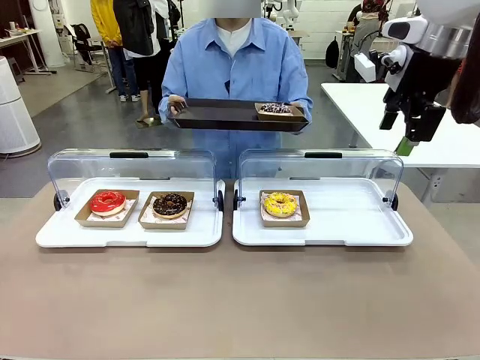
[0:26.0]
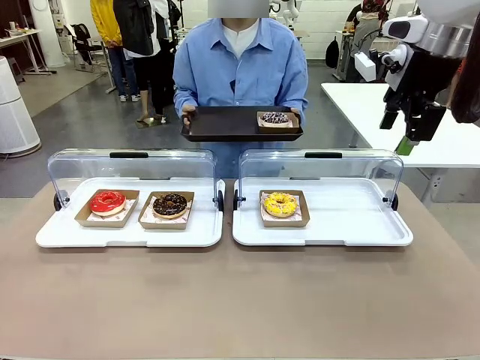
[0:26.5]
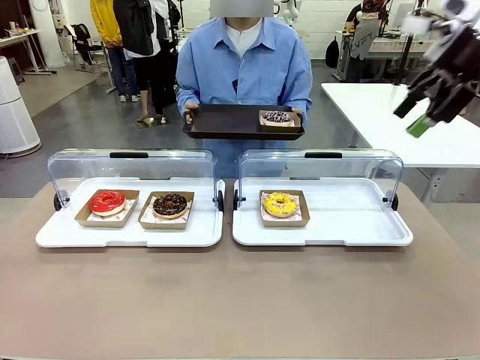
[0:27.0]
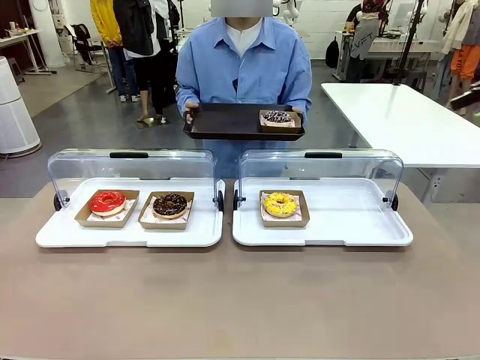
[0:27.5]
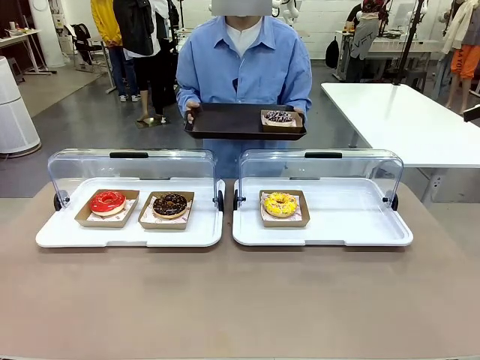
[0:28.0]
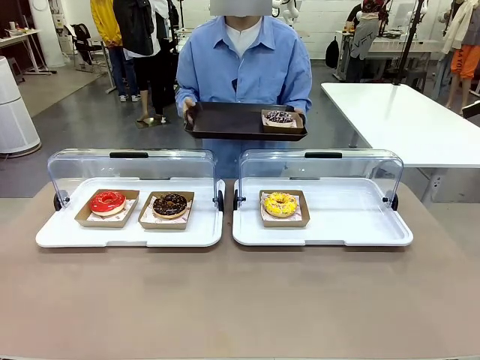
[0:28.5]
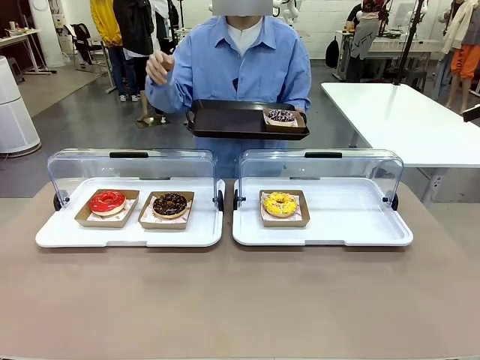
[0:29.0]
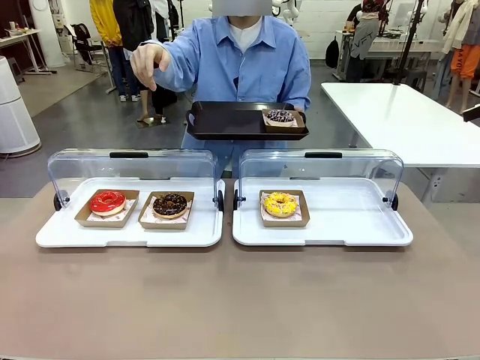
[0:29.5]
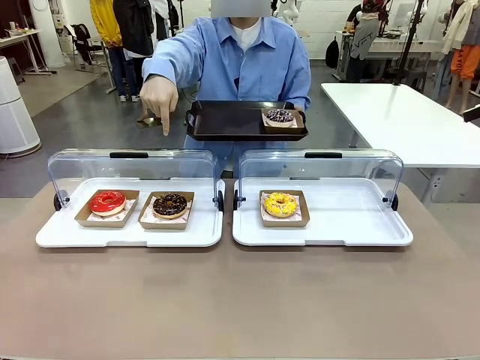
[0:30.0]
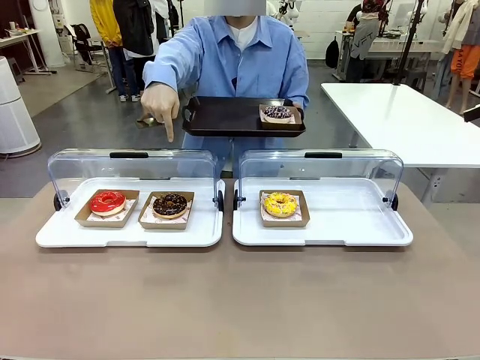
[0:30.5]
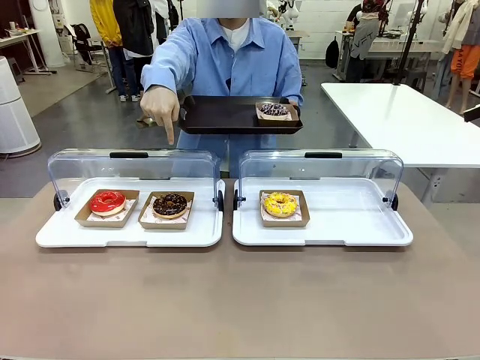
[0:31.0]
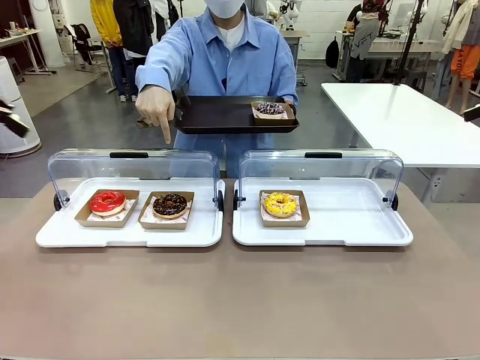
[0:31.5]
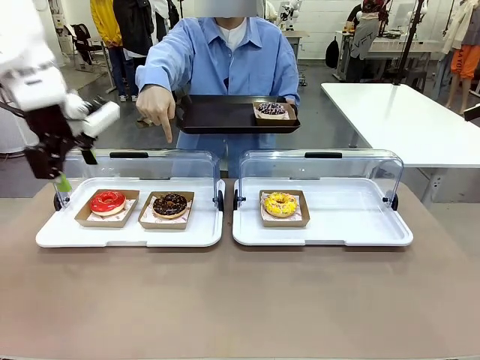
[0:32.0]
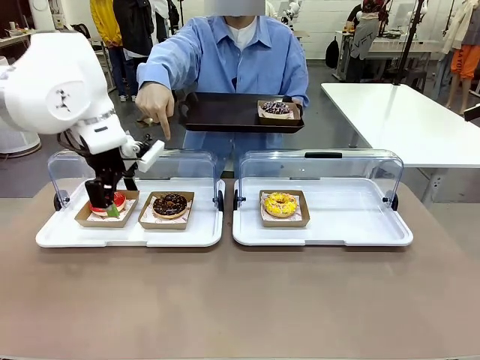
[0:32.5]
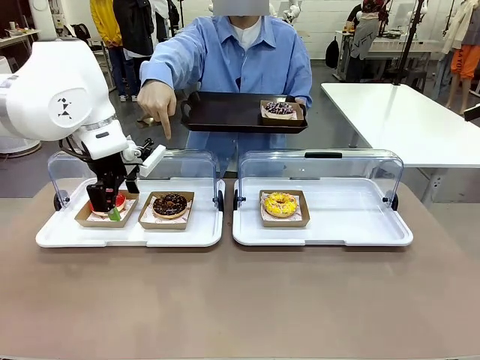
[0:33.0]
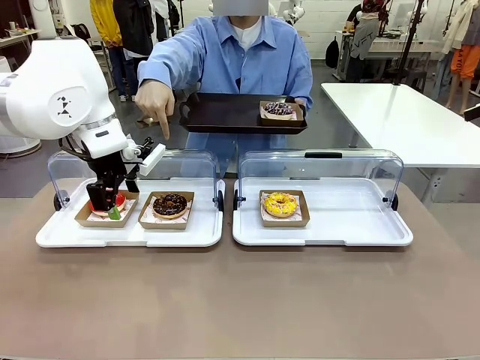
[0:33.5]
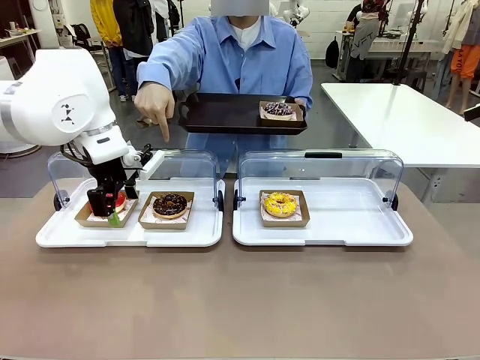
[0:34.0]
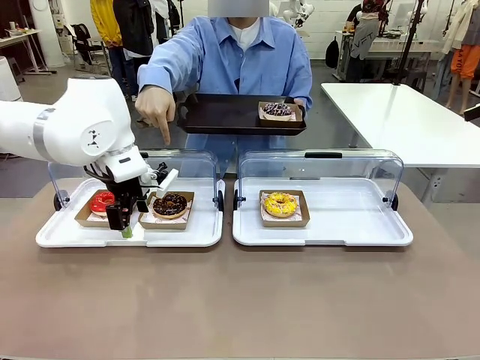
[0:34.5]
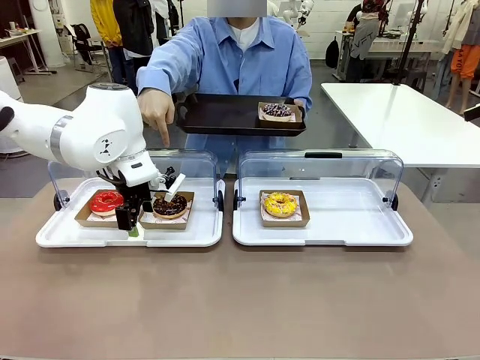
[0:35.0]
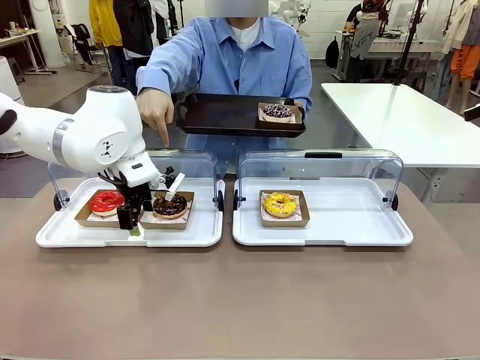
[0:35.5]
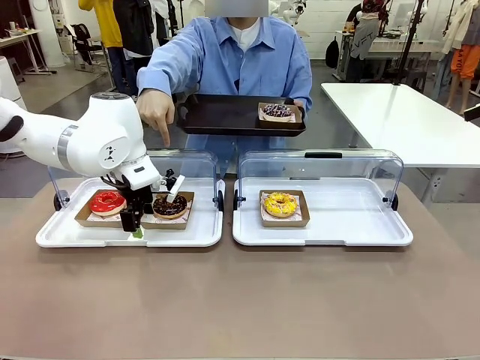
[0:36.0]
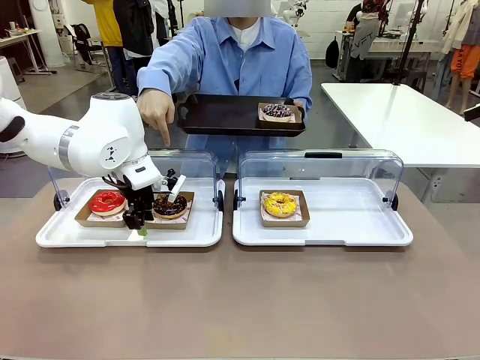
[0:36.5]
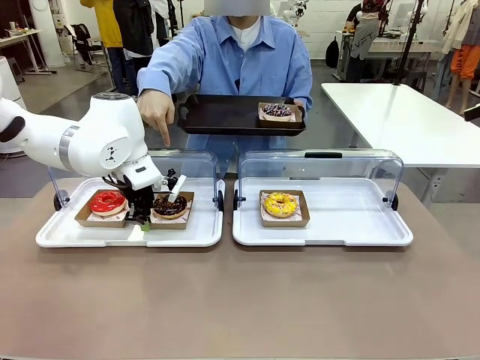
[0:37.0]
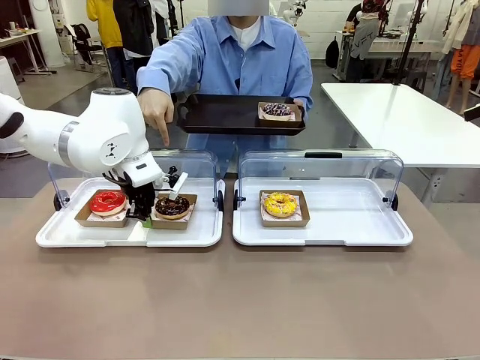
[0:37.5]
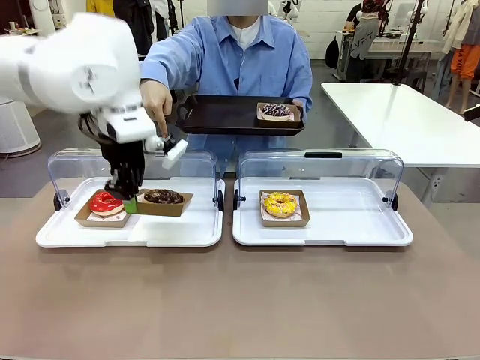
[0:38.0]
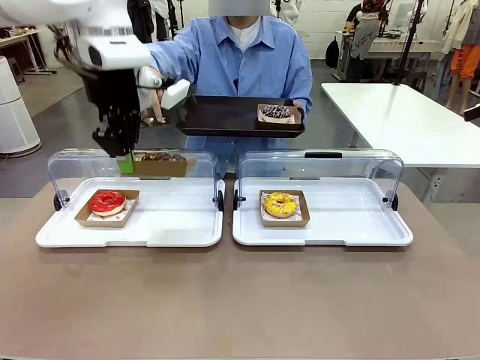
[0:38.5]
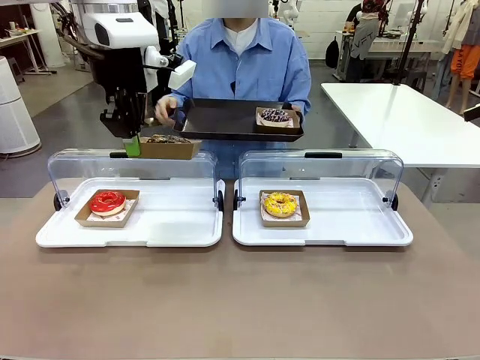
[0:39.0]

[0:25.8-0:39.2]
Task: Provide the desired donut to the person.
Robot: Pick up and lift the Paper togo box containing the Donut pointed at by the person.
Person: Point to one donut. Lift the tray onto the Roll-Top Bakery Case.

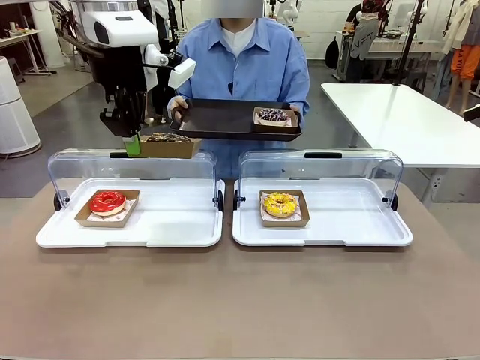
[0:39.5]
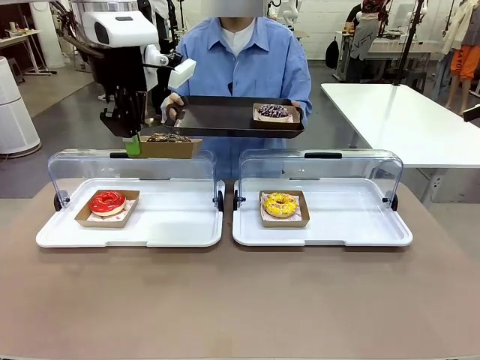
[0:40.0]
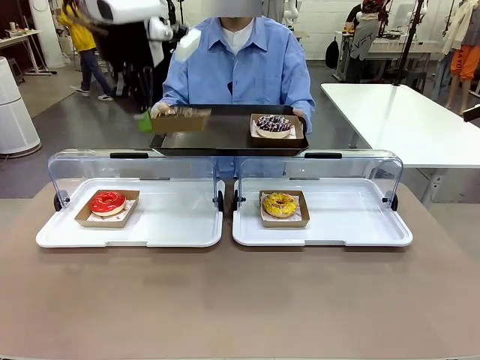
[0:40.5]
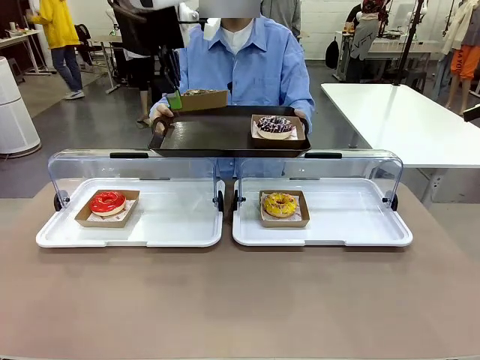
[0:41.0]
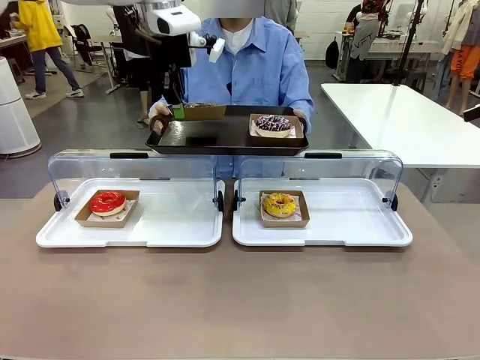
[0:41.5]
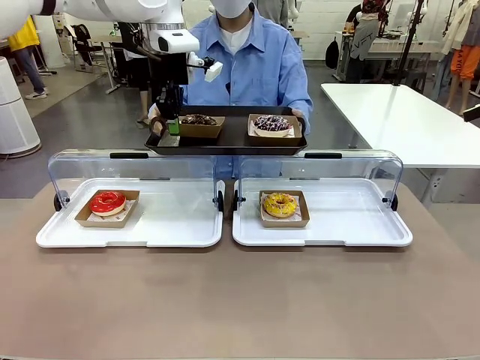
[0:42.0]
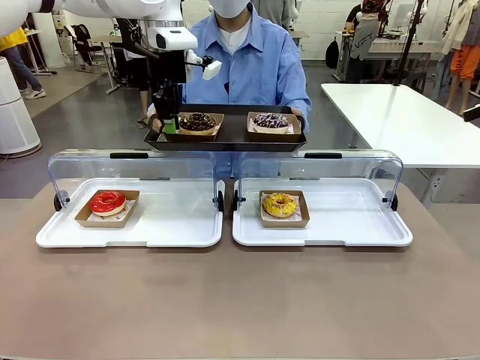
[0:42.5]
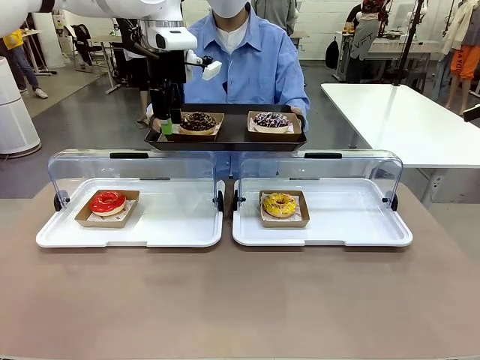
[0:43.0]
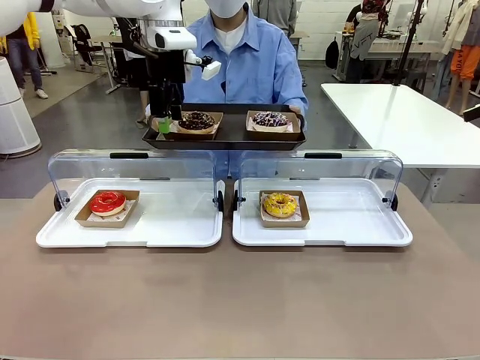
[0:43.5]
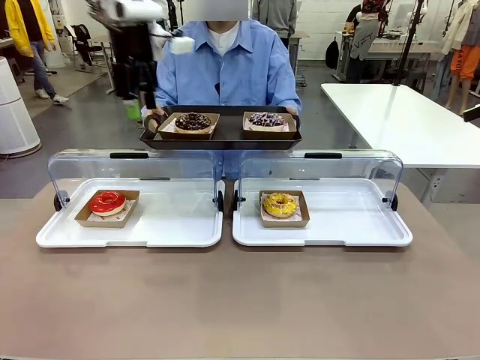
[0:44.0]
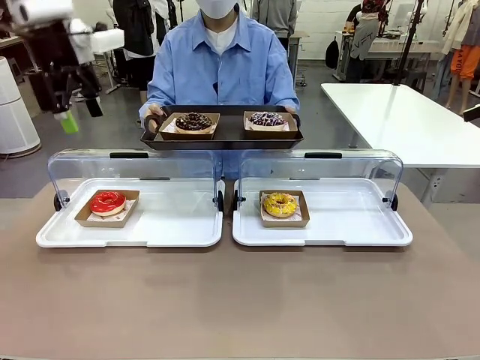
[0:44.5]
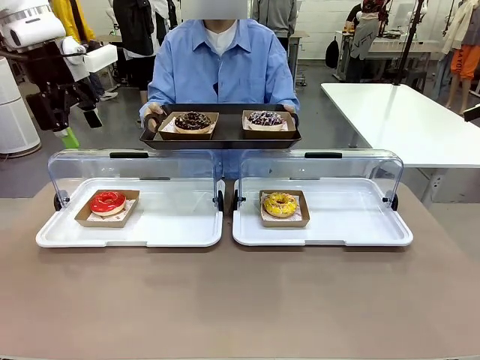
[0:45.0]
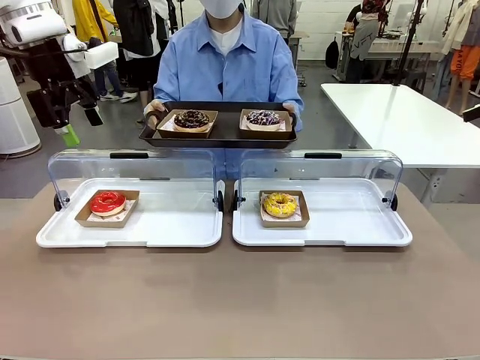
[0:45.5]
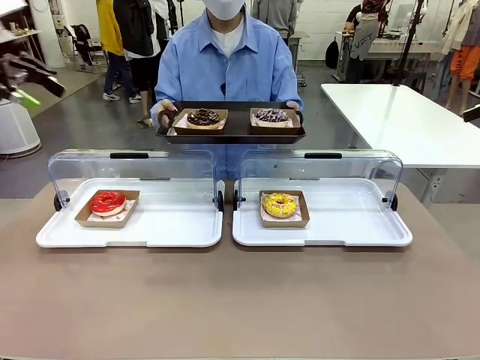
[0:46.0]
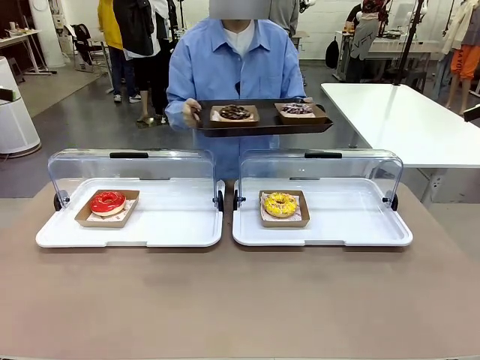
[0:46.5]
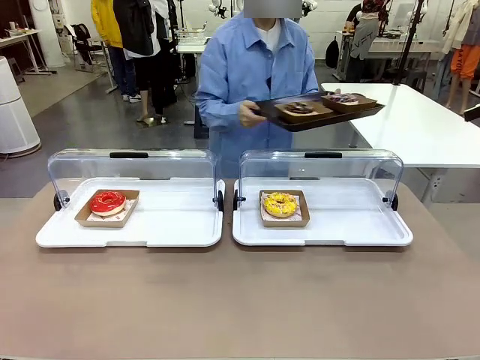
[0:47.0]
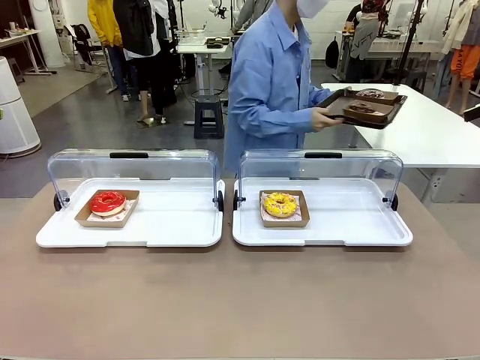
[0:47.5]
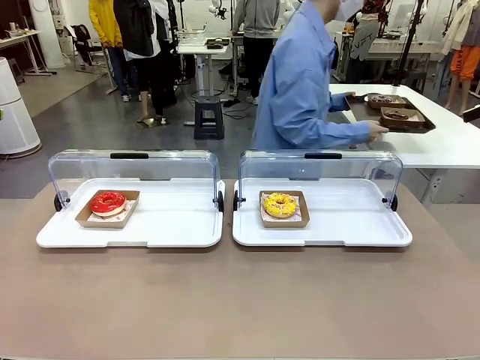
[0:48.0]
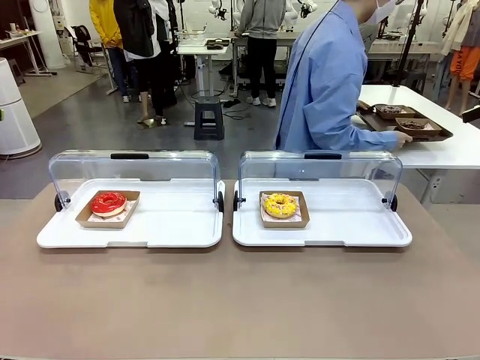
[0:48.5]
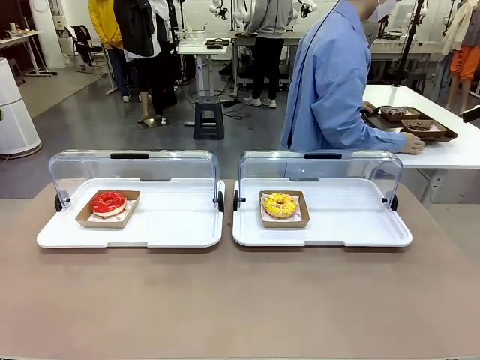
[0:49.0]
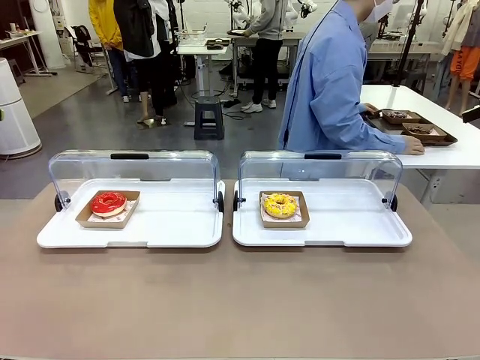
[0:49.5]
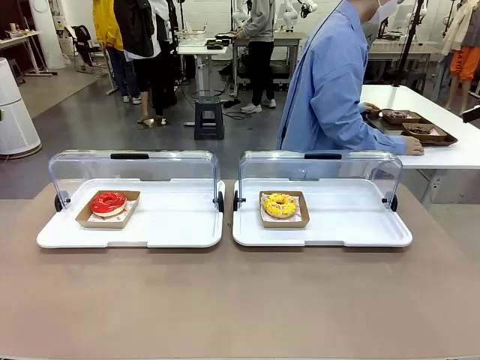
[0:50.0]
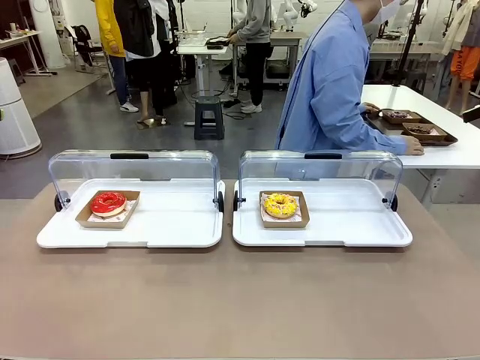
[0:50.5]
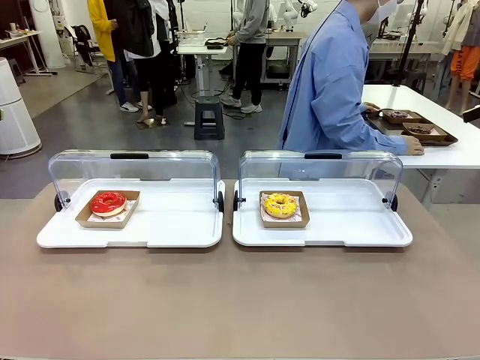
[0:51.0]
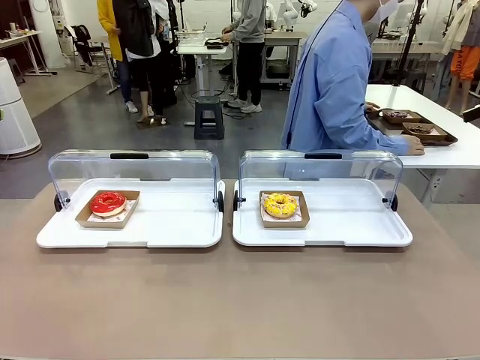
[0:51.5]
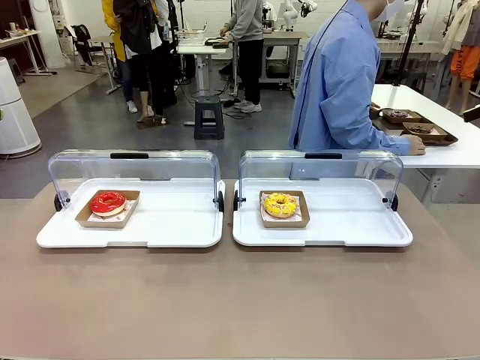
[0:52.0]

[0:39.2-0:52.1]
Robot: Place the picked Paper togo box onto the Handle tray extended by the person.
Person: Place the tray in the middle of the human table.
